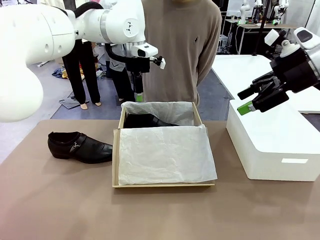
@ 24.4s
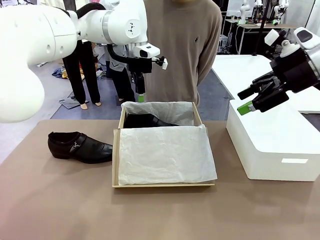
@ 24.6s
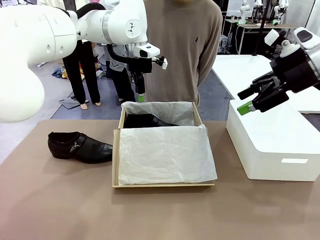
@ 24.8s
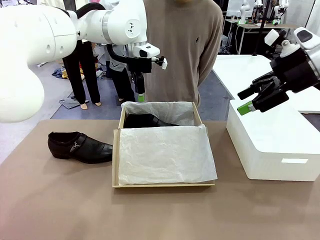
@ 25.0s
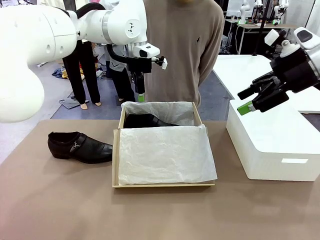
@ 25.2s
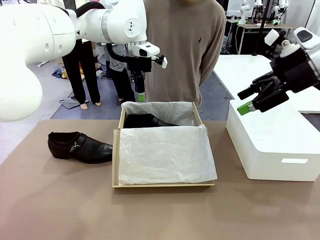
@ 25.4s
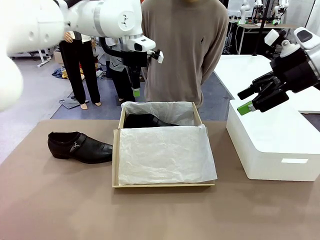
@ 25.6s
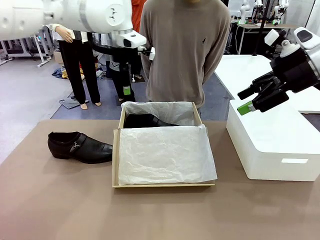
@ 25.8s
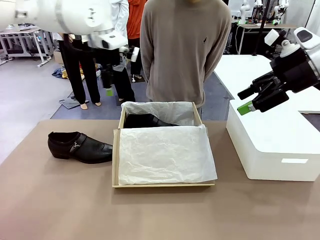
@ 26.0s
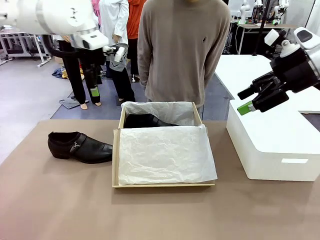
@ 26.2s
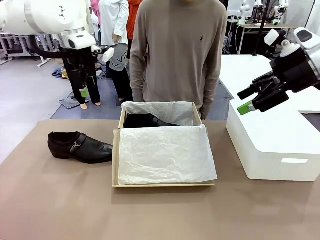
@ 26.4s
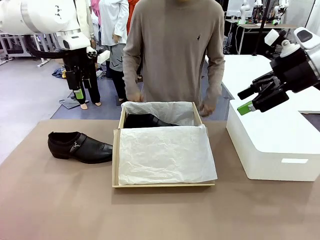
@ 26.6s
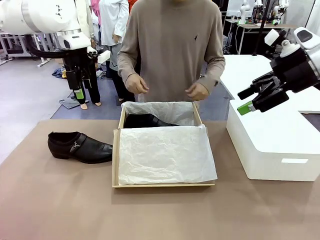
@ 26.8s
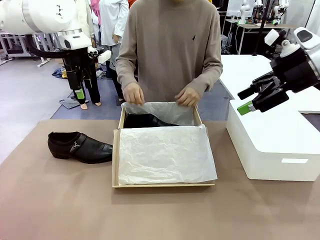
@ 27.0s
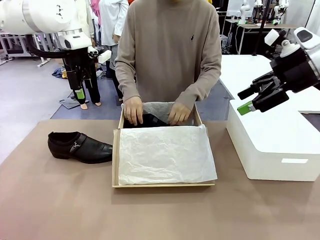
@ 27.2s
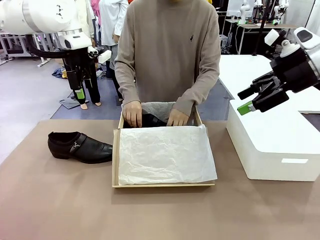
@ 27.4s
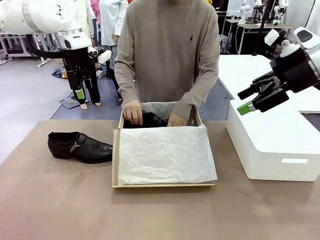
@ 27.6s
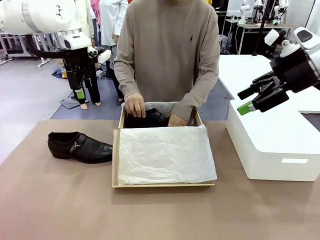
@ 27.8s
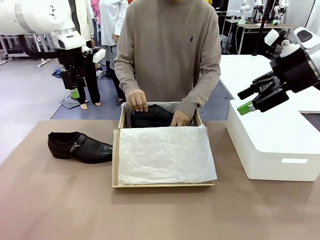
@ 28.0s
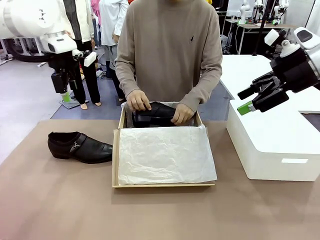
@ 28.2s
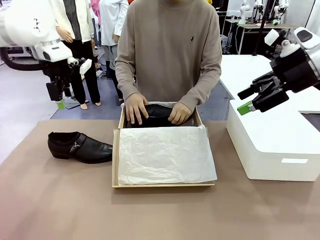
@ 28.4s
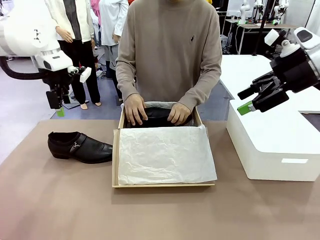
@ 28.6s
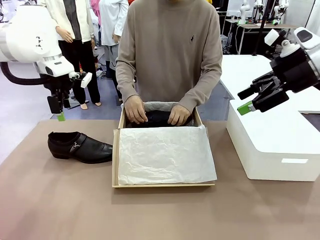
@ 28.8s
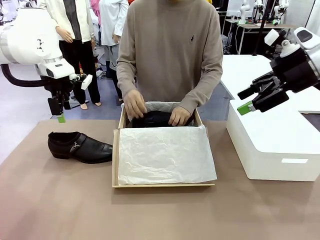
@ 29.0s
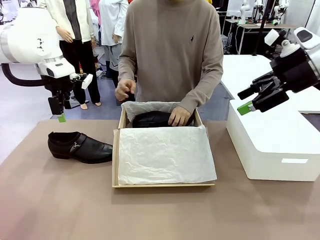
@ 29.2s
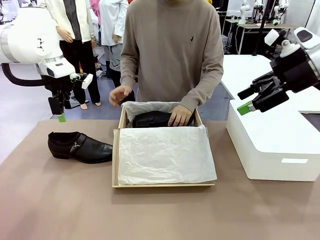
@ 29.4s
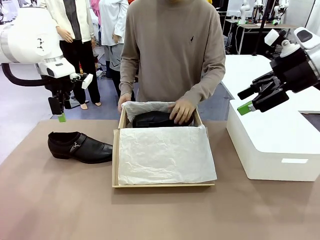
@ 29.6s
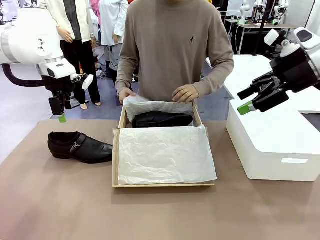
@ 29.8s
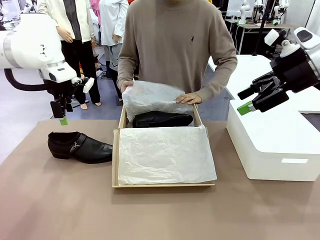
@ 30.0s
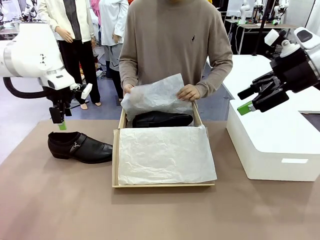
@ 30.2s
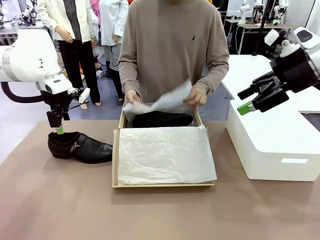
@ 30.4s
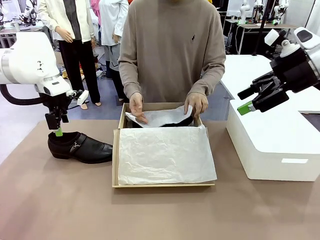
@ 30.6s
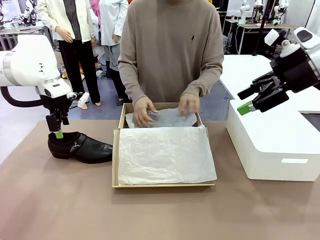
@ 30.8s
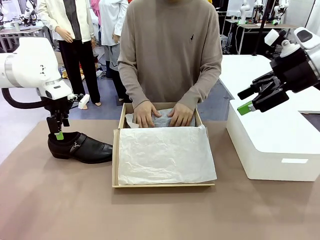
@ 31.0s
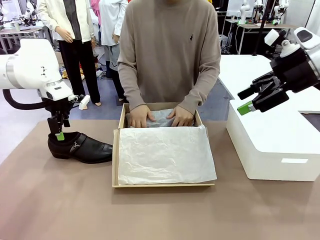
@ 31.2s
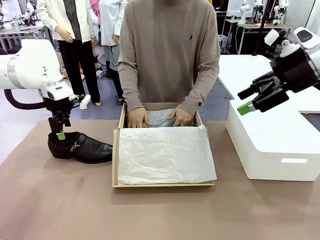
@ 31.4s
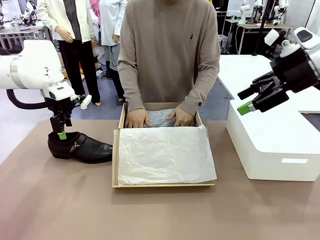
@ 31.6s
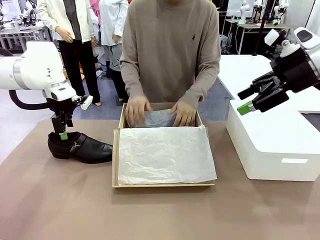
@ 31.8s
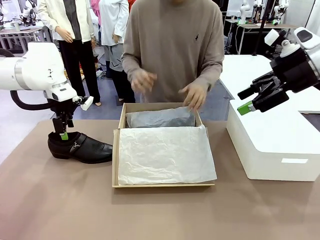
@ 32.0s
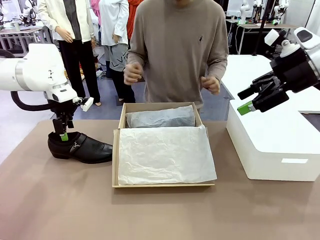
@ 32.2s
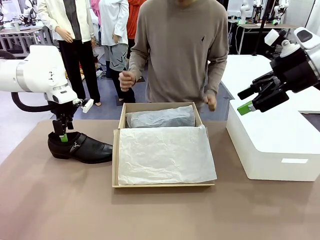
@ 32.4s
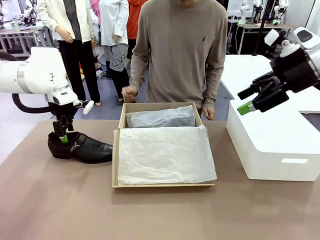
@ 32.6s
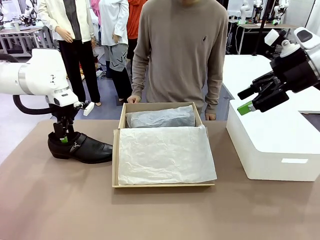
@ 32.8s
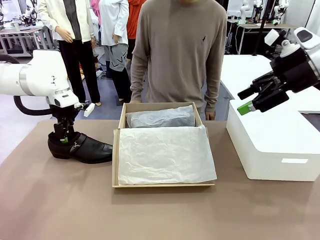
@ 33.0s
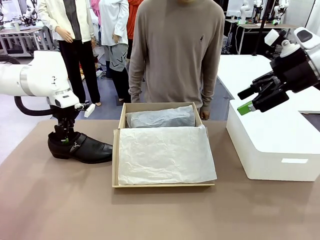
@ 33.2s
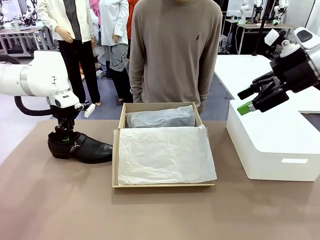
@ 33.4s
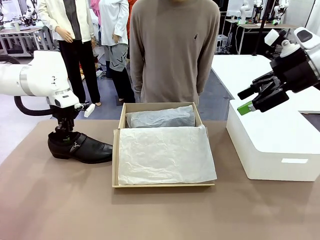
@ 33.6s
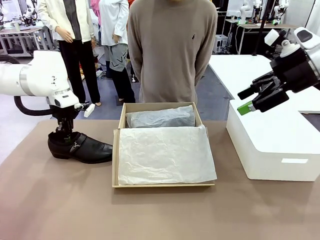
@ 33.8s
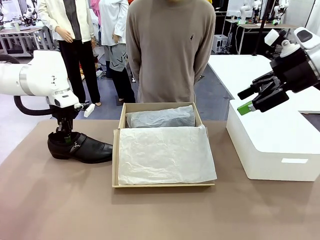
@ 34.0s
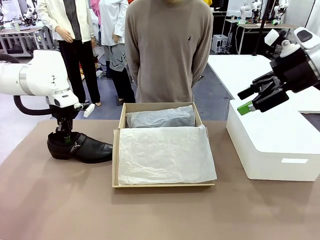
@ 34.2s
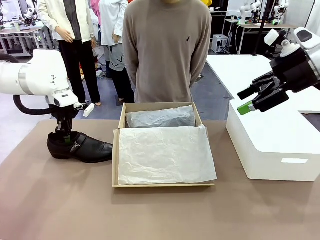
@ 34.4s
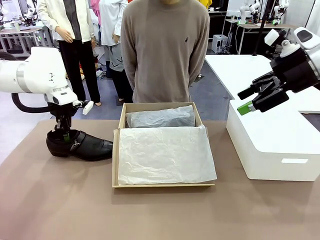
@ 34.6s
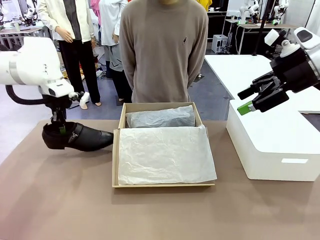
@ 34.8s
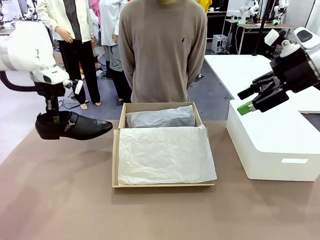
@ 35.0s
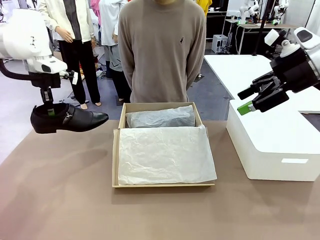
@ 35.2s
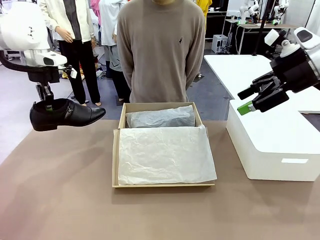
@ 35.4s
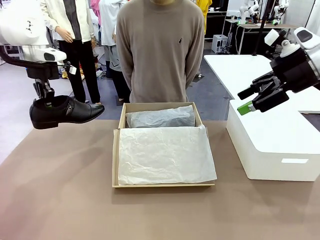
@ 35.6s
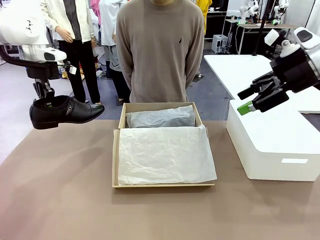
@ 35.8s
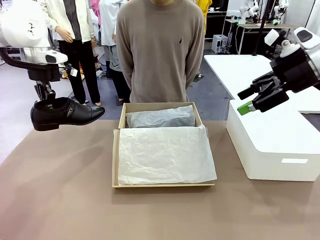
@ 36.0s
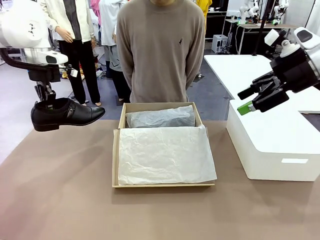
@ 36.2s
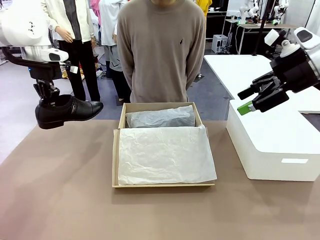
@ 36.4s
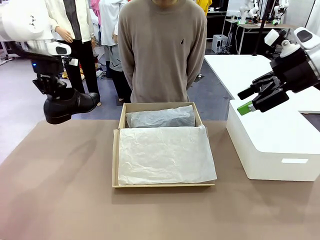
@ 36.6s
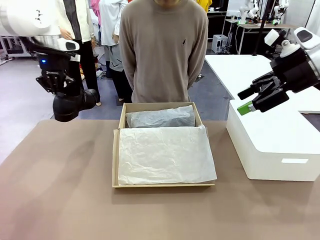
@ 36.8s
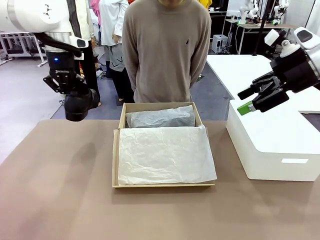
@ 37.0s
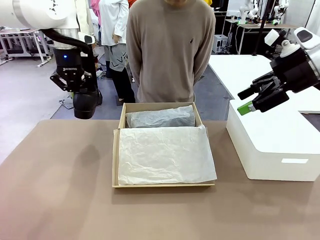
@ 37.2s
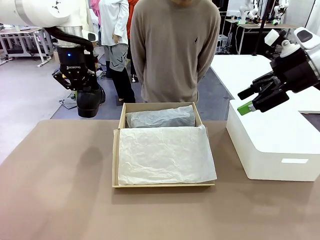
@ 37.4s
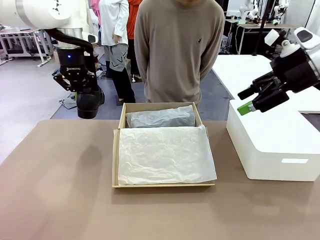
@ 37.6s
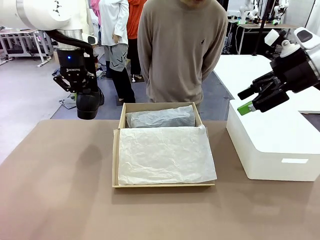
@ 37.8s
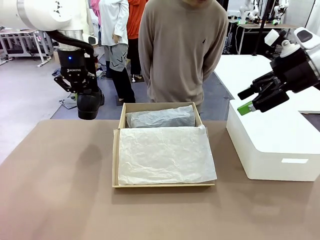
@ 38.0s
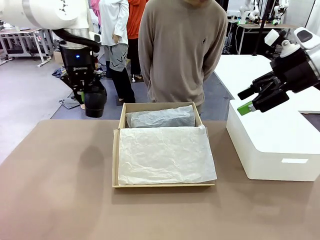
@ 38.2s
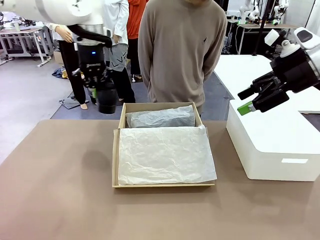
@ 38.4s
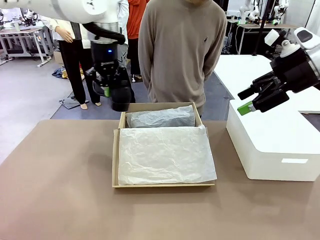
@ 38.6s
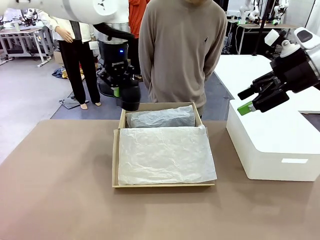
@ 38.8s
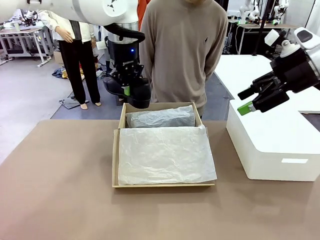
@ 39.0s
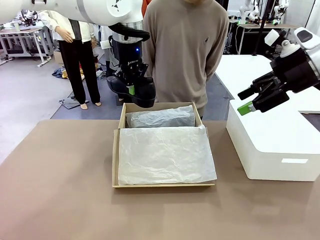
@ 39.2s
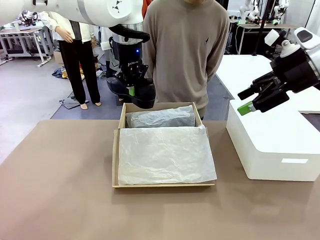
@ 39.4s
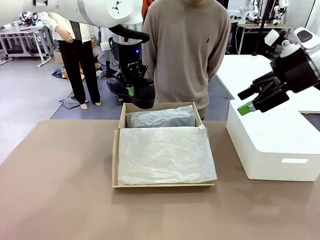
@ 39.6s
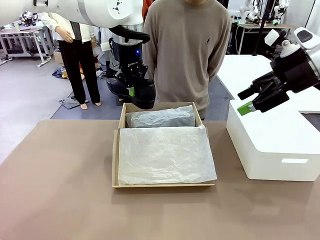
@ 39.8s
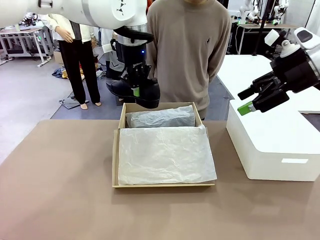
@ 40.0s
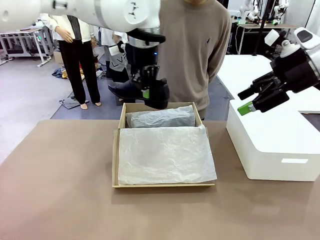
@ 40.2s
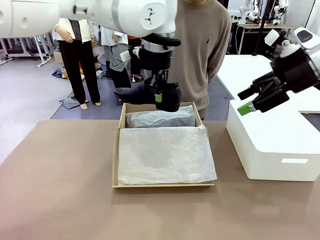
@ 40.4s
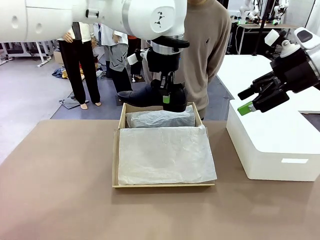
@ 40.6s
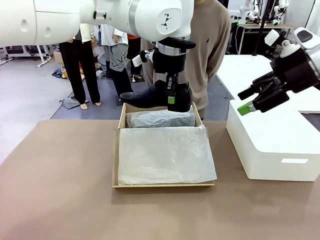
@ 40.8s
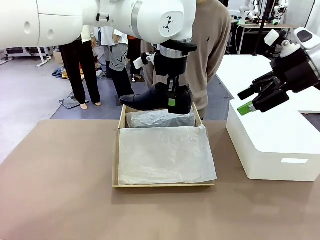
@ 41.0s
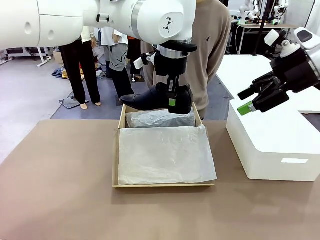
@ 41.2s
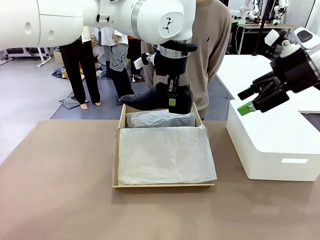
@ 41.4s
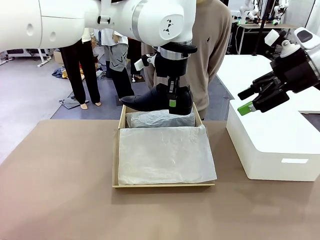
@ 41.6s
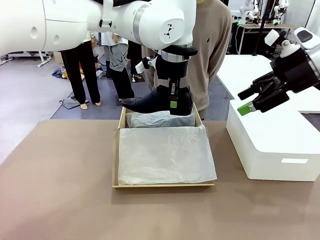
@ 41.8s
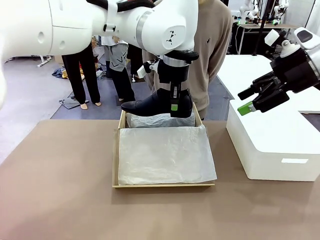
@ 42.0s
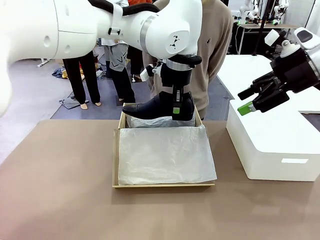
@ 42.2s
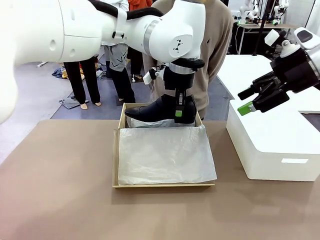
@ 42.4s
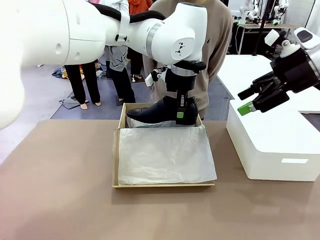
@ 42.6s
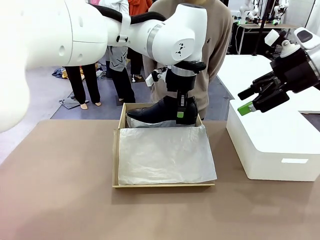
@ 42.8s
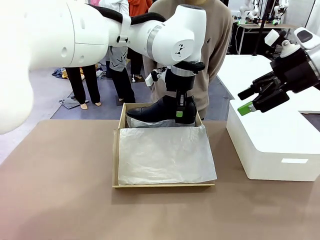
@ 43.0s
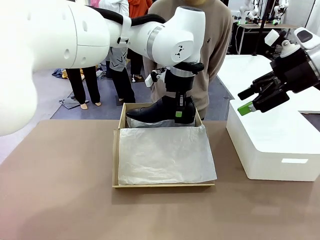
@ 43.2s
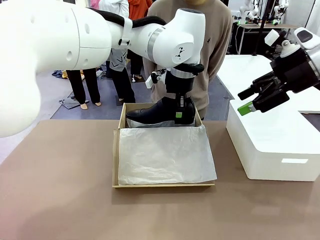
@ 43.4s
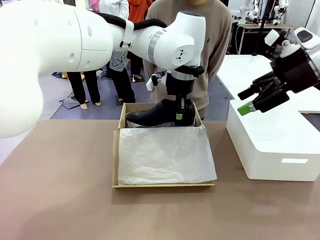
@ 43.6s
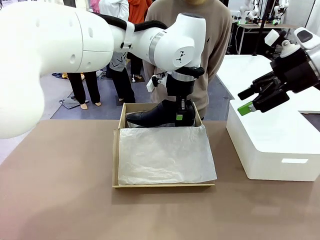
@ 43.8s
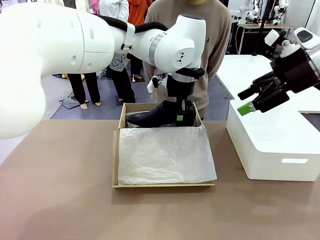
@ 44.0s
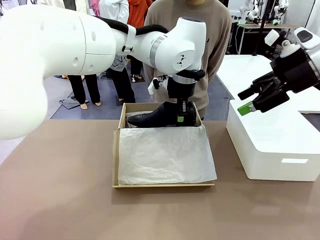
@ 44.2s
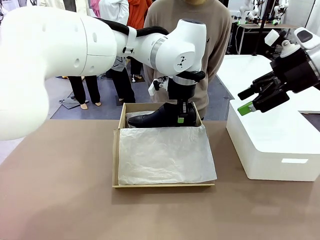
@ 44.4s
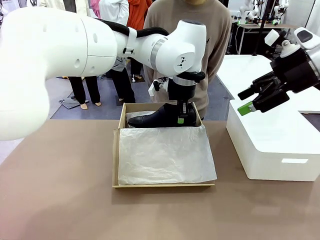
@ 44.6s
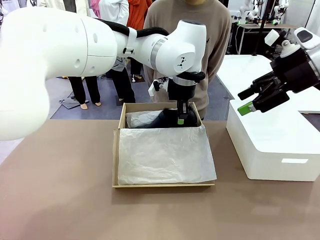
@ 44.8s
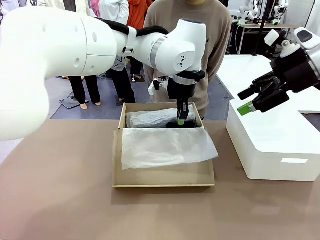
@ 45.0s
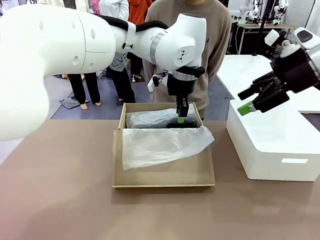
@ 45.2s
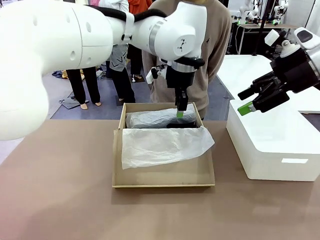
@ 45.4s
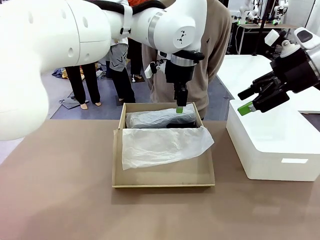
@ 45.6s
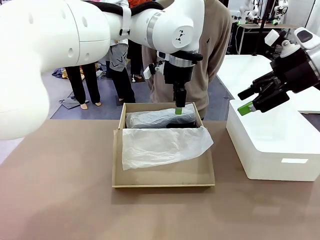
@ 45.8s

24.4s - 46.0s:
Task: Pack the shoes into the box.
Robot: Place the other shoe of the Shoes into the Shoes Box.
Person: Pack a shoe of Shoes inside the Shoes Box with Shoes Wrapping Paper.
